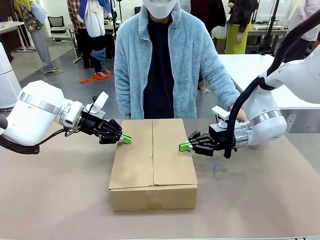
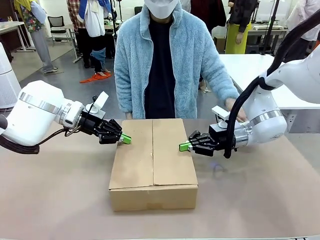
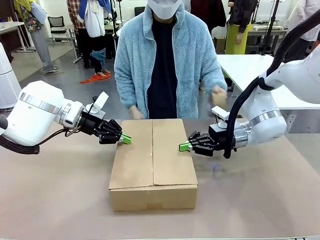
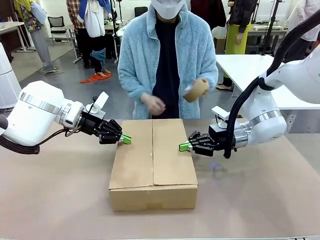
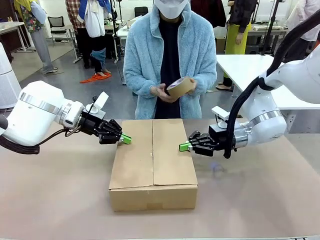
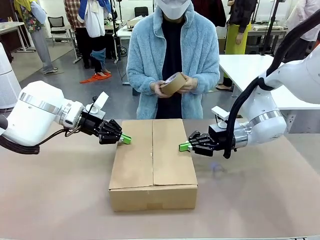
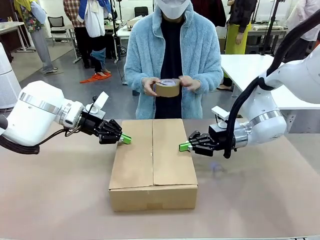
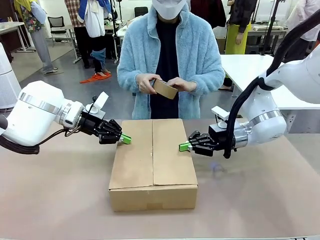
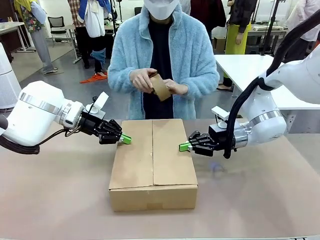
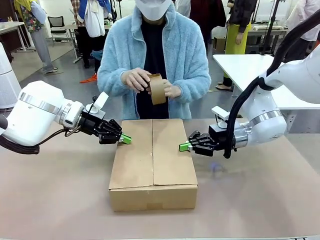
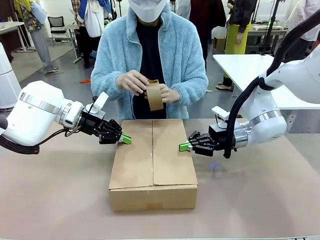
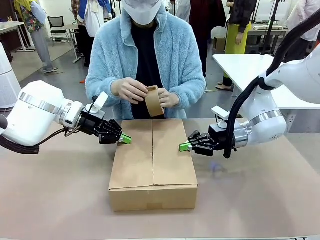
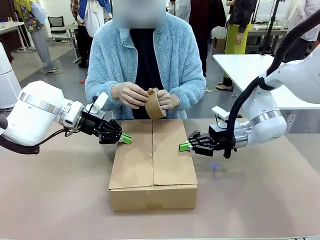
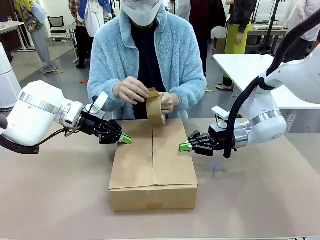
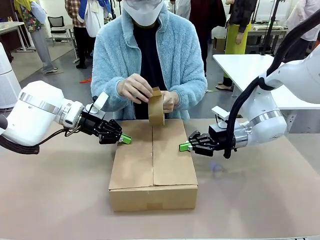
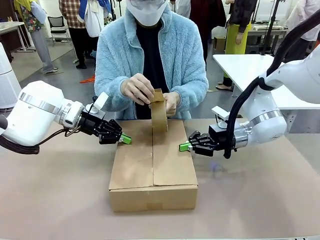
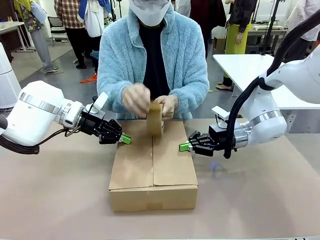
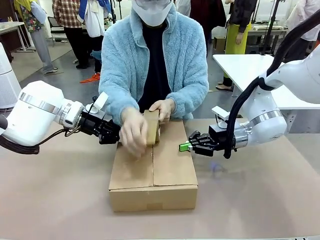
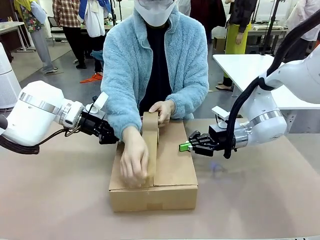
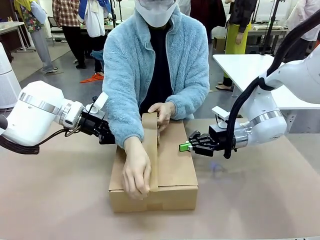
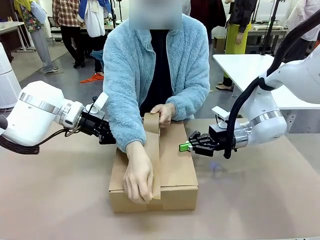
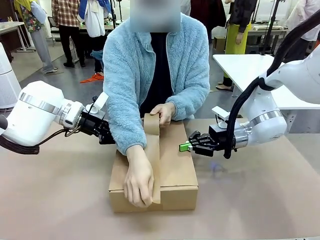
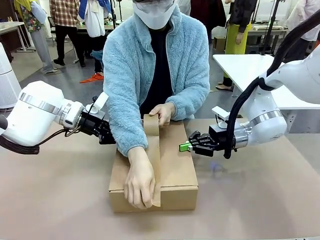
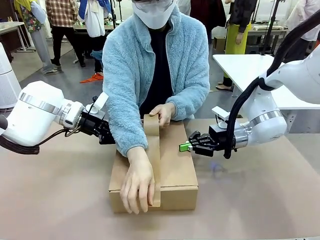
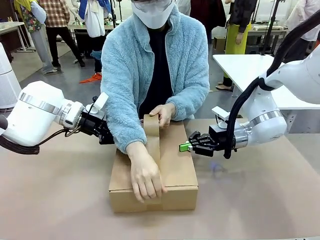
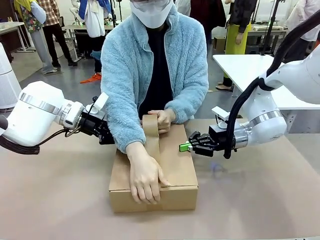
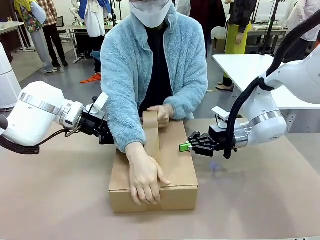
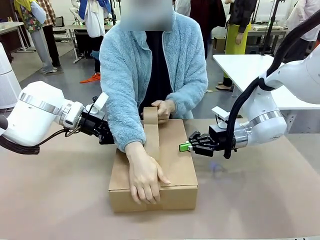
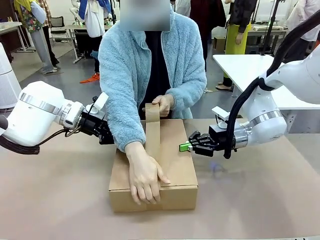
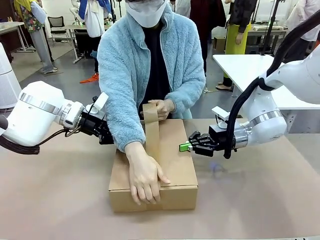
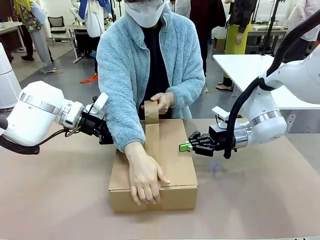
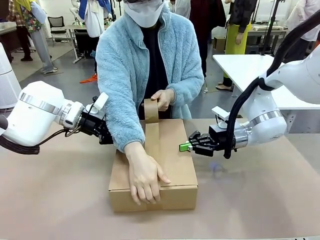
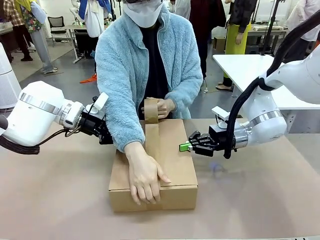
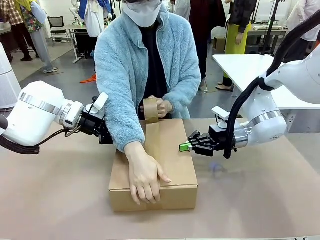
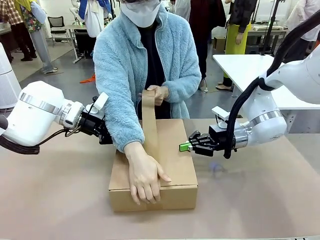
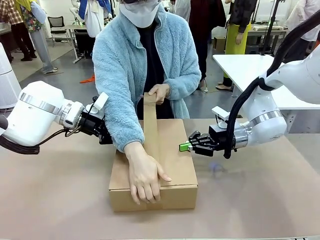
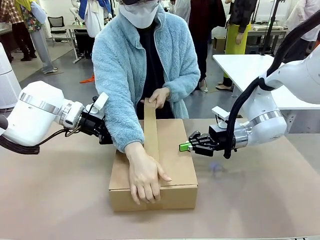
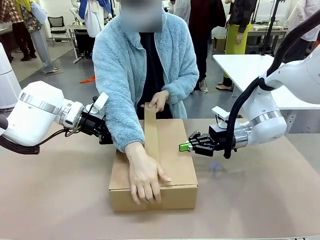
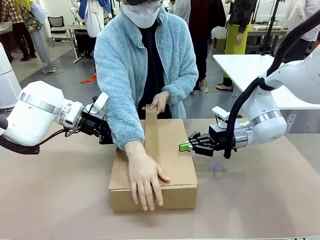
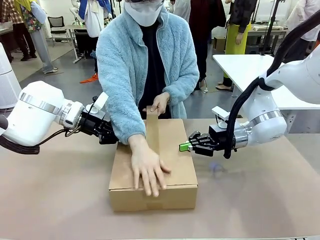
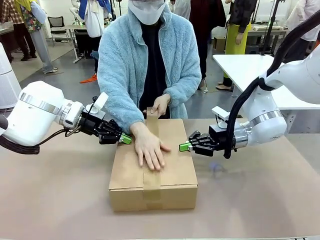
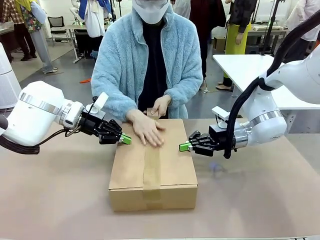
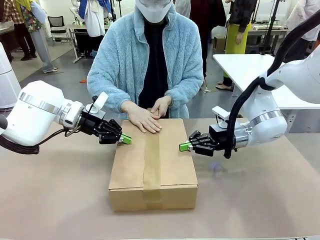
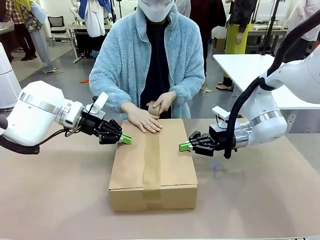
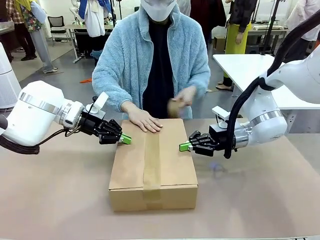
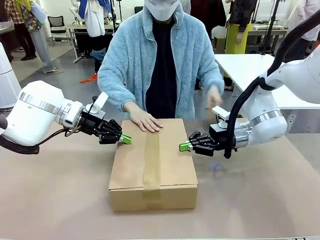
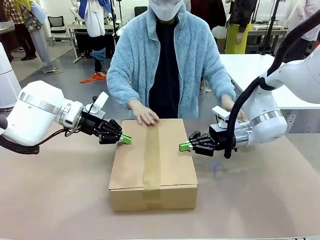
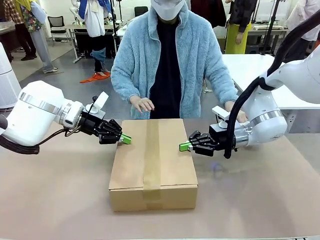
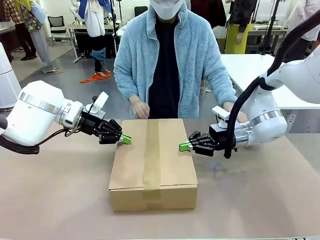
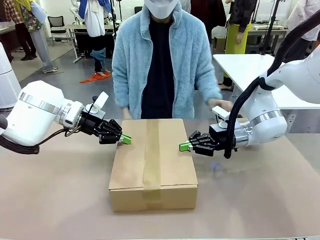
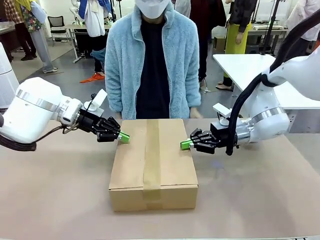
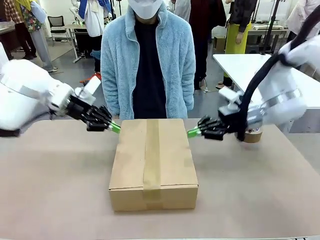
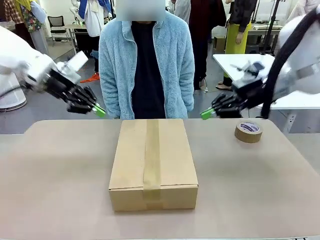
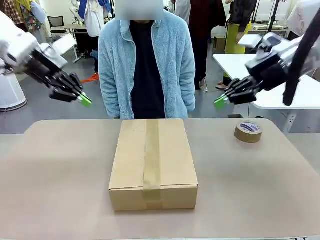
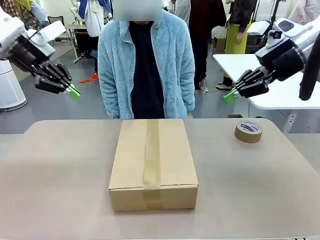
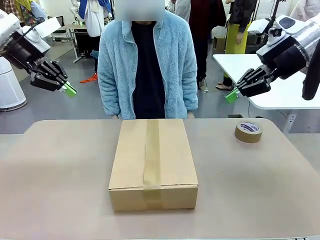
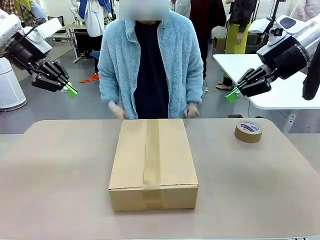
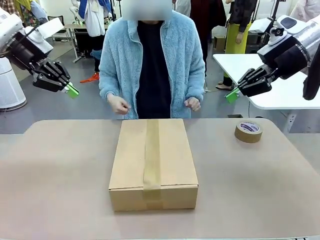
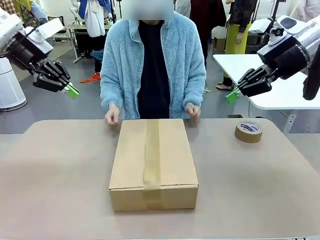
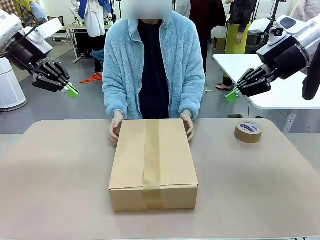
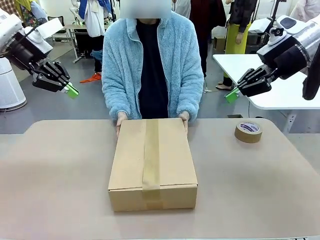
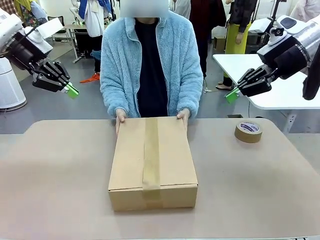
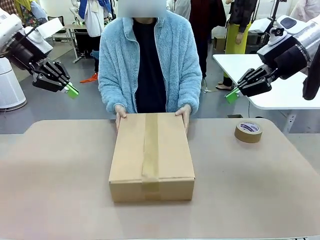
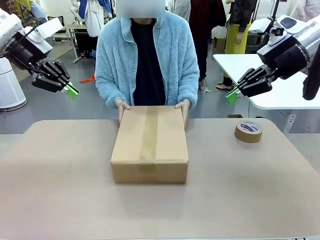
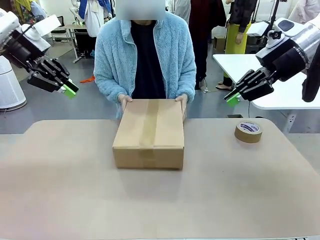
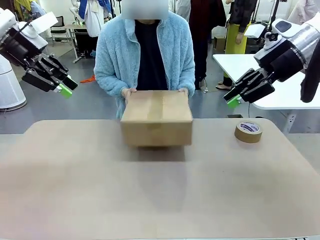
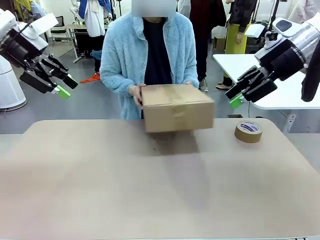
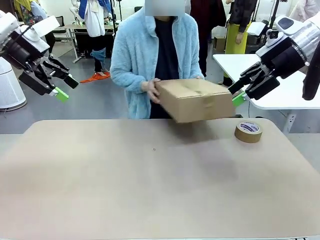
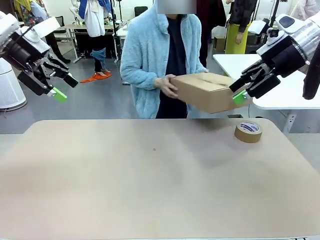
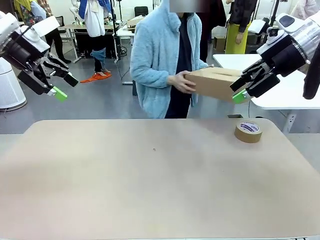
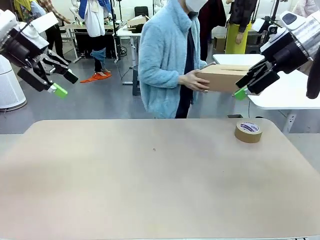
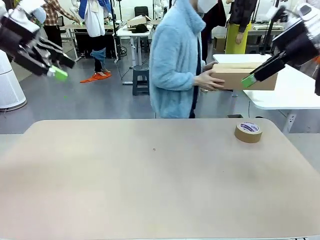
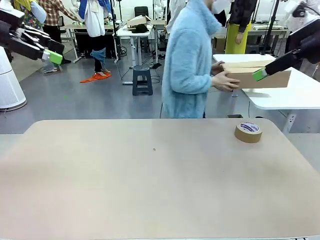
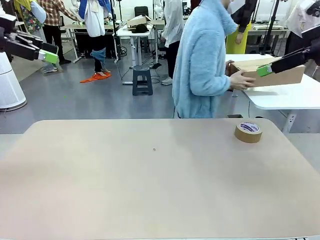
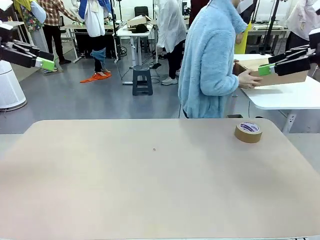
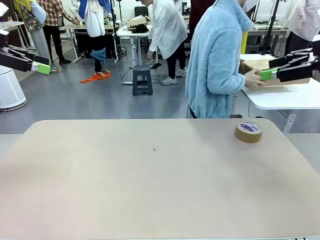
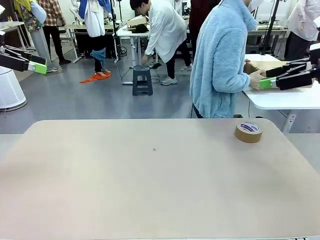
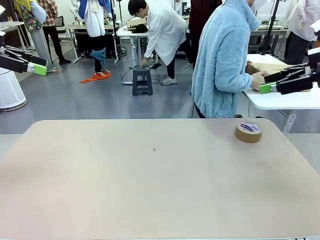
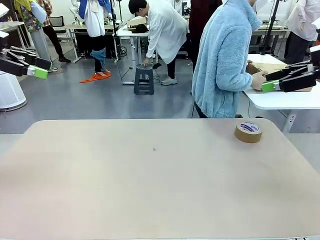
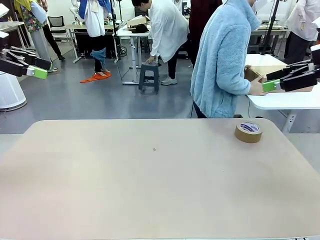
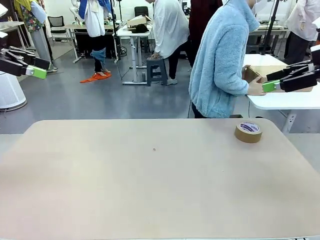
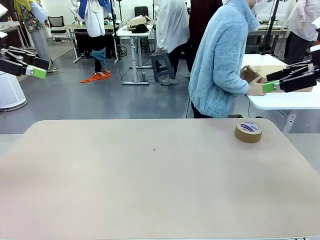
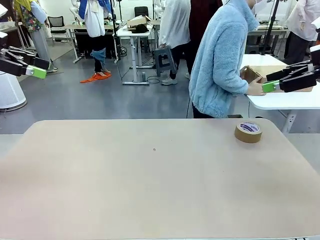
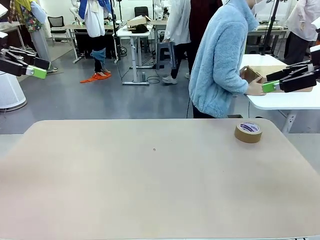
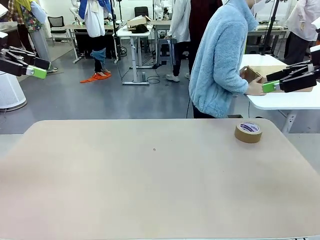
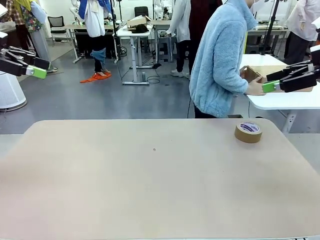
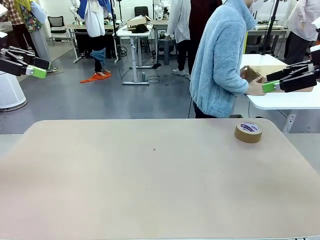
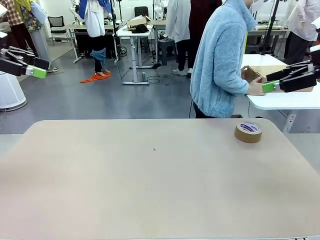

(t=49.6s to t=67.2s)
Task: Wrap the clocks to prevent damage.
Robot: After the human seals the box with tape, release both hands from the side flaps of the Package Box.
Person: Once the robot closes the left flap of the Package Box , seal the box with Paper Tape. Place sealed Package Box in the middle of the human's table.

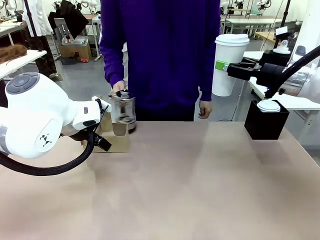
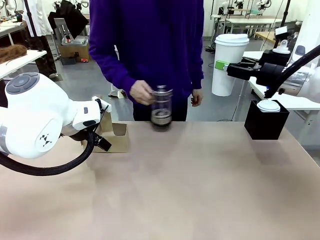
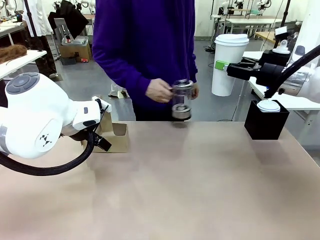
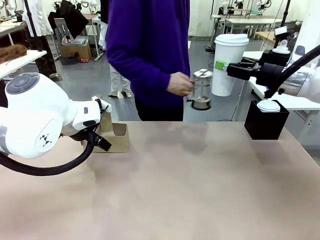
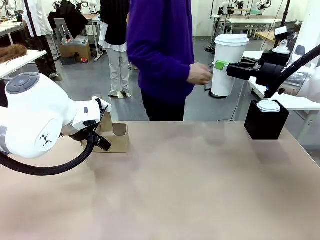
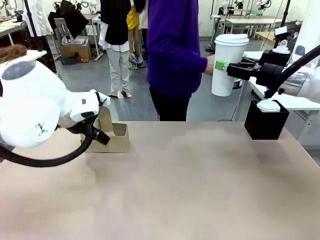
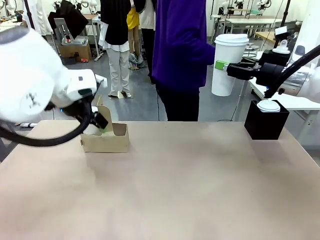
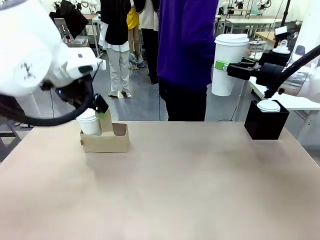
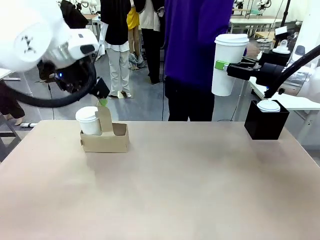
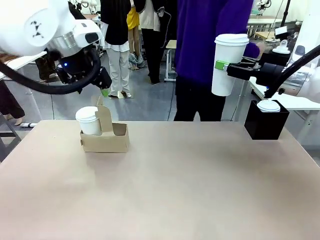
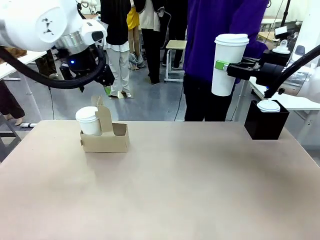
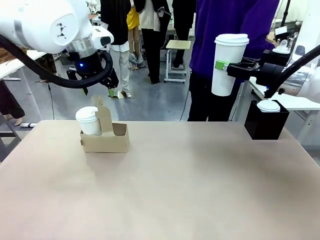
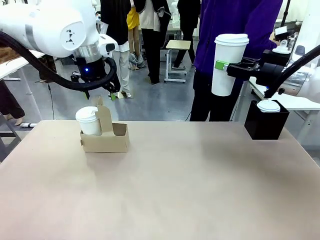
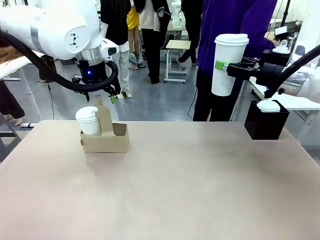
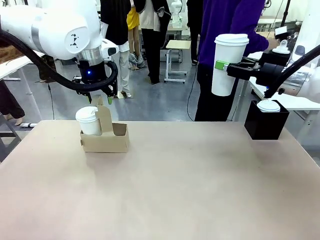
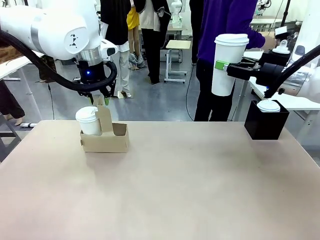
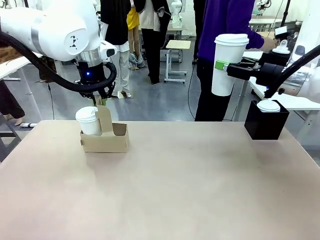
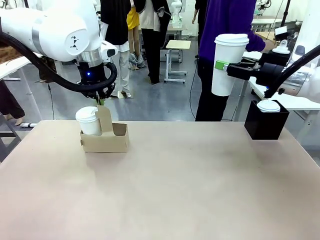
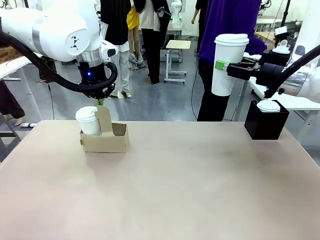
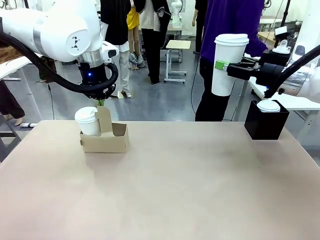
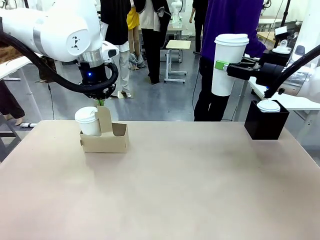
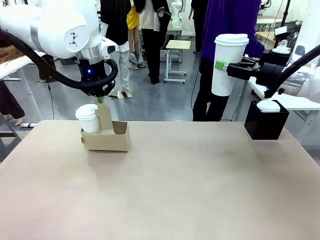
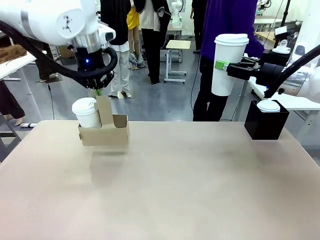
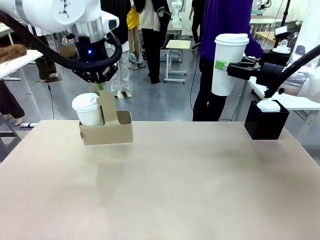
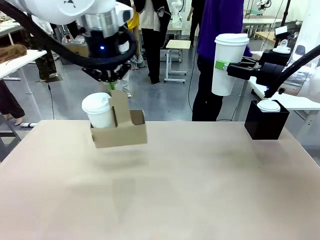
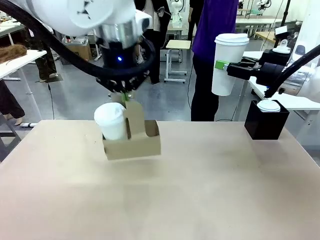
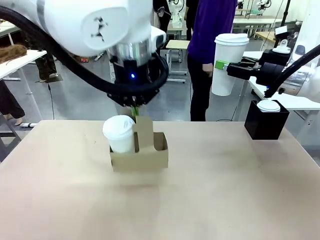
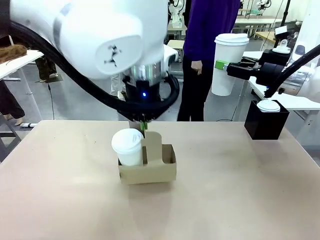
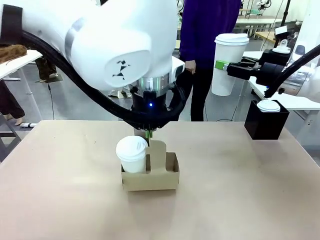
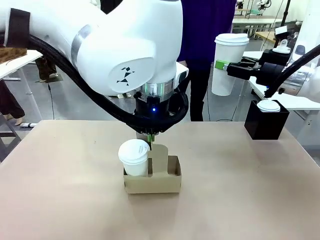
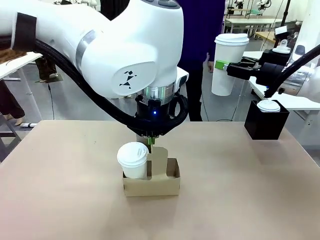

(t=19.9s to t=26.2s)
Task: Pour a drink into a cup and package it in a carrier.
Robot: Position the Cup Carrier in the center of the table.
Person: Pick up the Filter Brewing and place on the middle of Human table, and return to the Robot table.
